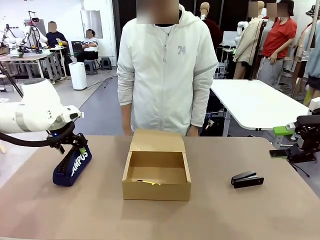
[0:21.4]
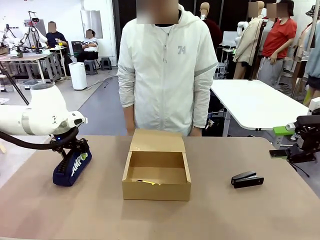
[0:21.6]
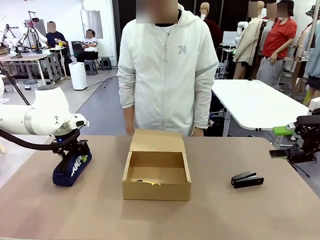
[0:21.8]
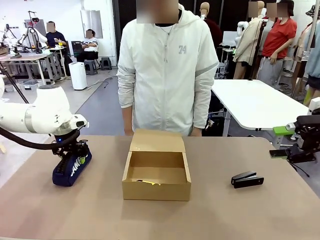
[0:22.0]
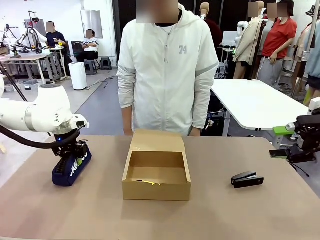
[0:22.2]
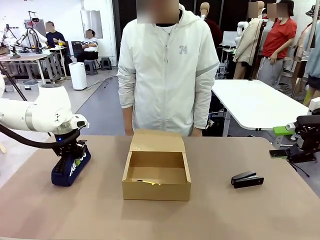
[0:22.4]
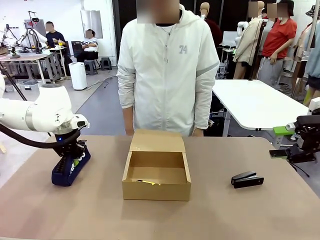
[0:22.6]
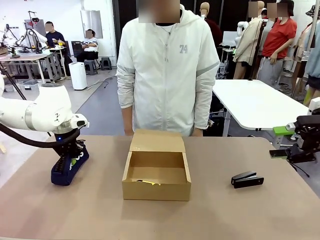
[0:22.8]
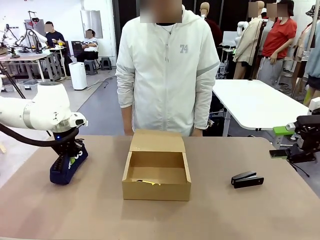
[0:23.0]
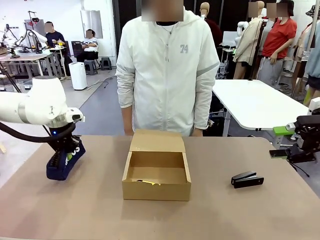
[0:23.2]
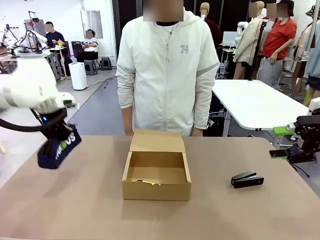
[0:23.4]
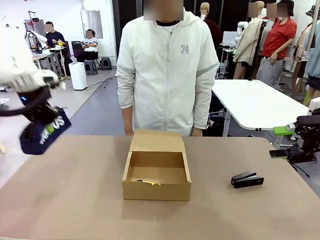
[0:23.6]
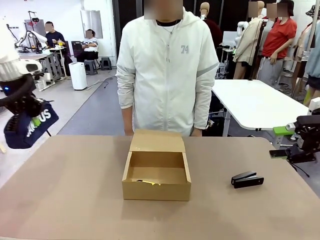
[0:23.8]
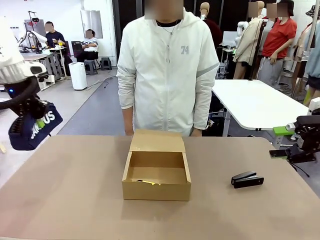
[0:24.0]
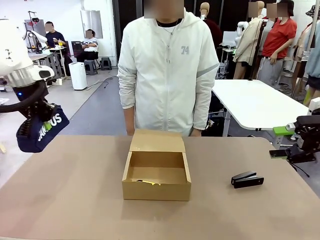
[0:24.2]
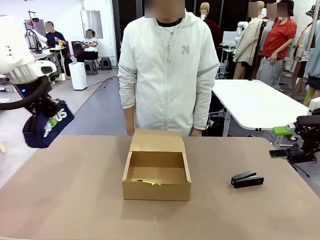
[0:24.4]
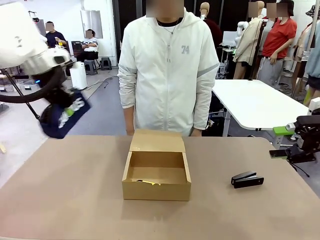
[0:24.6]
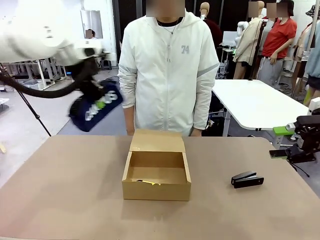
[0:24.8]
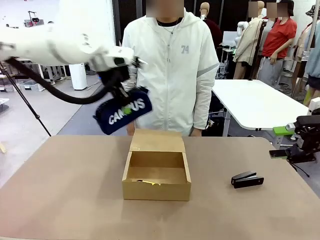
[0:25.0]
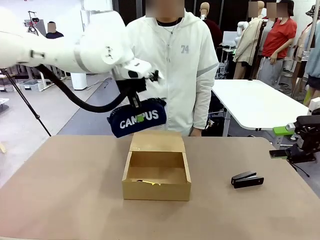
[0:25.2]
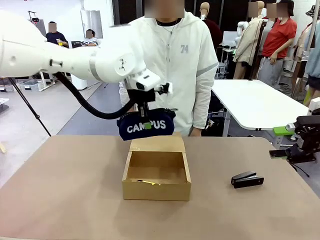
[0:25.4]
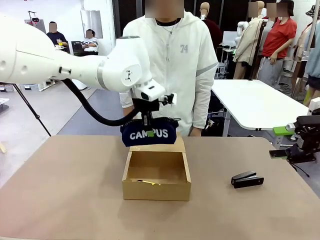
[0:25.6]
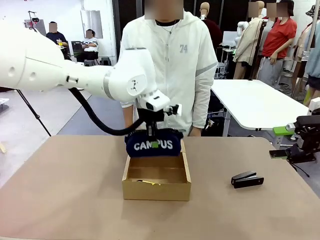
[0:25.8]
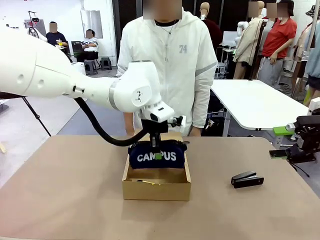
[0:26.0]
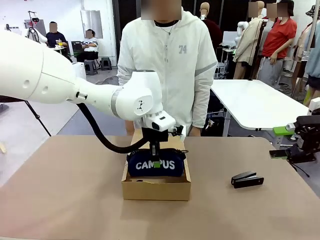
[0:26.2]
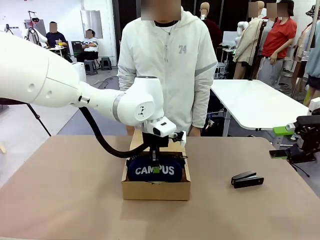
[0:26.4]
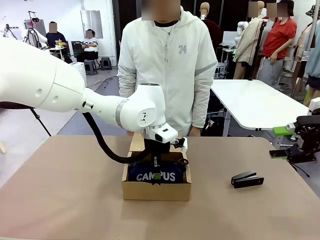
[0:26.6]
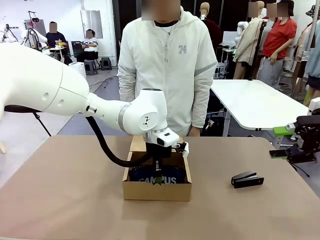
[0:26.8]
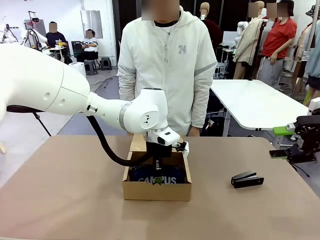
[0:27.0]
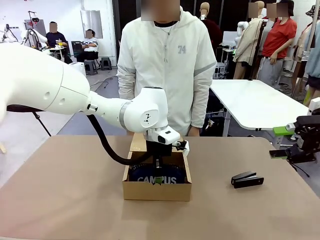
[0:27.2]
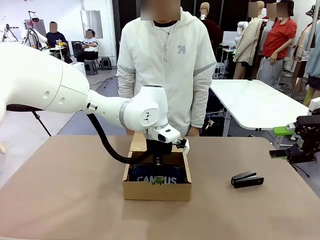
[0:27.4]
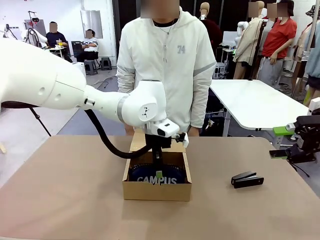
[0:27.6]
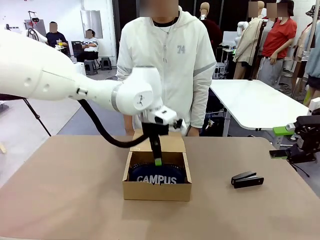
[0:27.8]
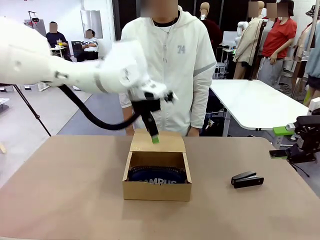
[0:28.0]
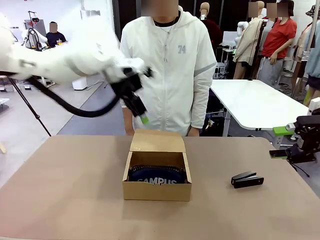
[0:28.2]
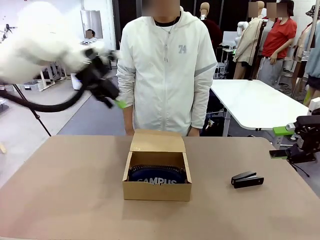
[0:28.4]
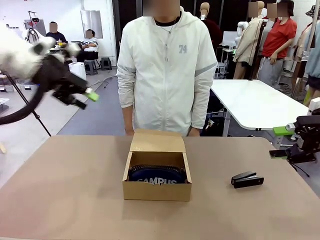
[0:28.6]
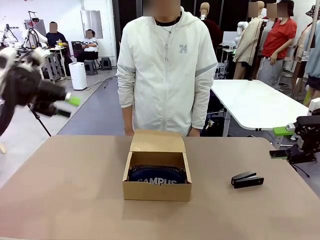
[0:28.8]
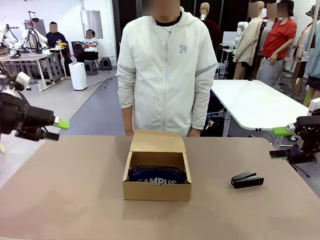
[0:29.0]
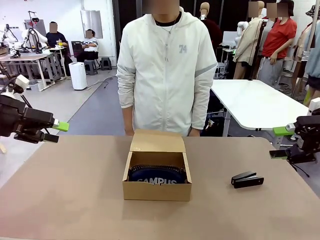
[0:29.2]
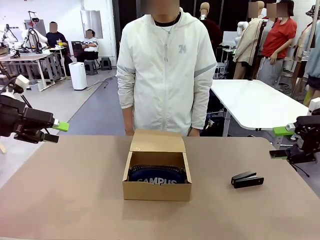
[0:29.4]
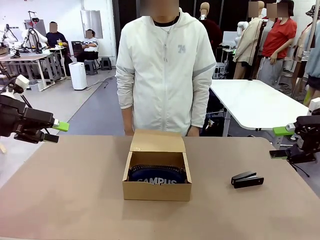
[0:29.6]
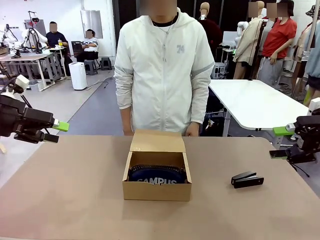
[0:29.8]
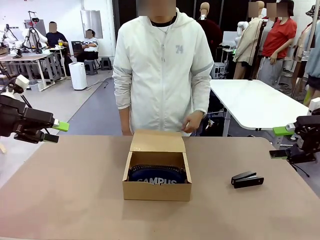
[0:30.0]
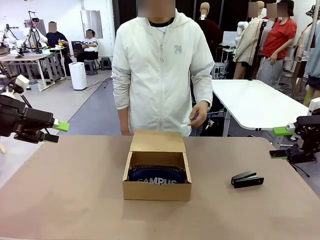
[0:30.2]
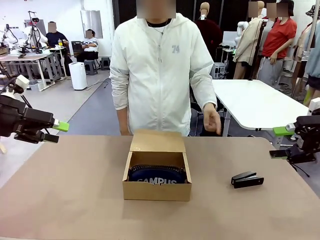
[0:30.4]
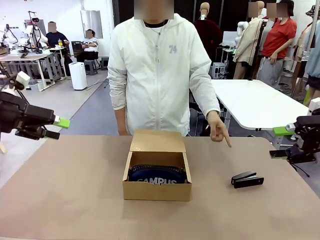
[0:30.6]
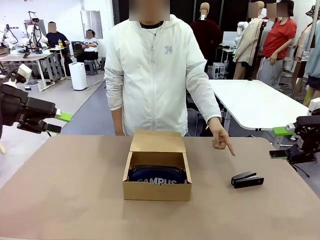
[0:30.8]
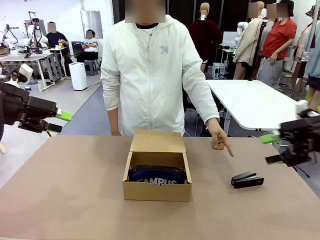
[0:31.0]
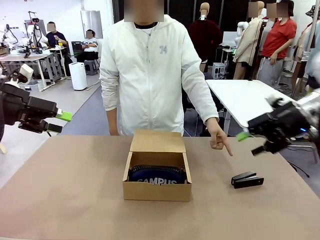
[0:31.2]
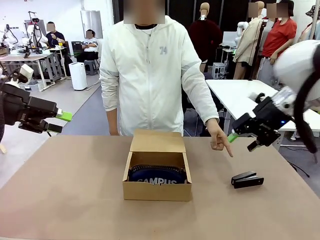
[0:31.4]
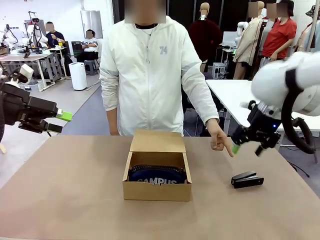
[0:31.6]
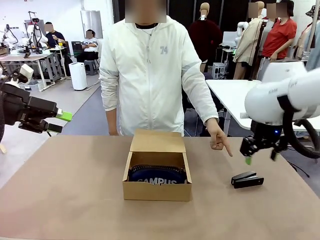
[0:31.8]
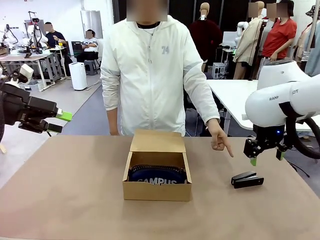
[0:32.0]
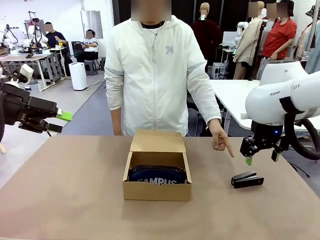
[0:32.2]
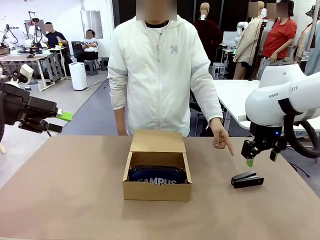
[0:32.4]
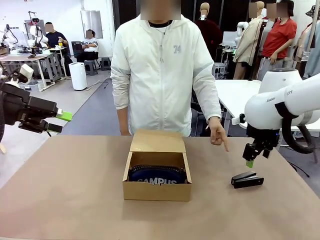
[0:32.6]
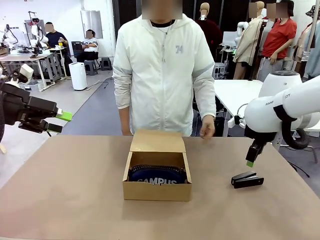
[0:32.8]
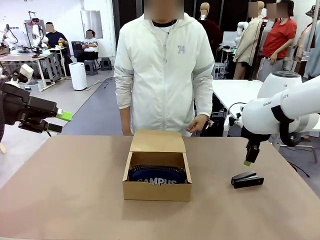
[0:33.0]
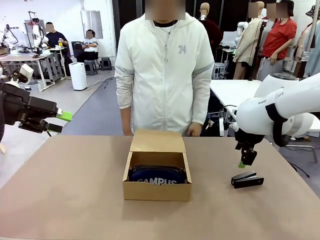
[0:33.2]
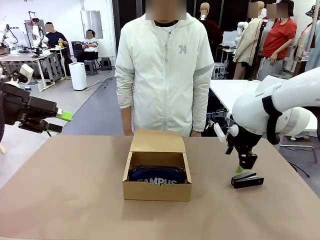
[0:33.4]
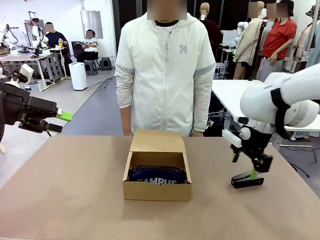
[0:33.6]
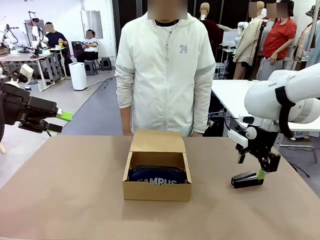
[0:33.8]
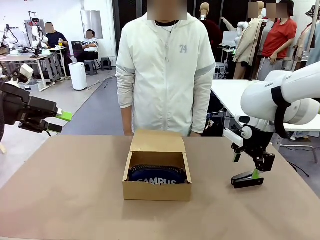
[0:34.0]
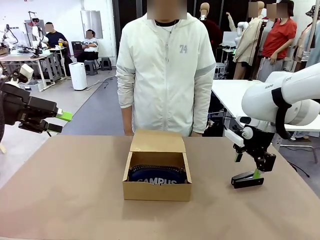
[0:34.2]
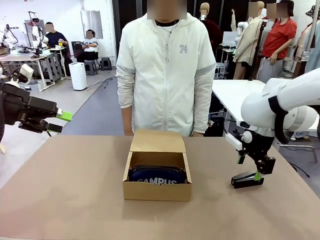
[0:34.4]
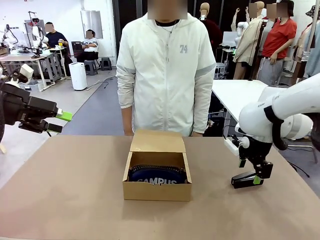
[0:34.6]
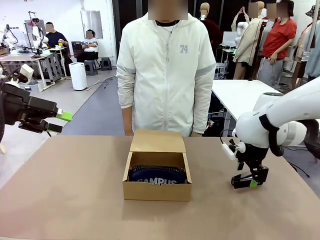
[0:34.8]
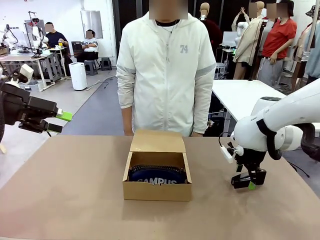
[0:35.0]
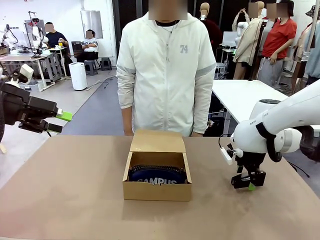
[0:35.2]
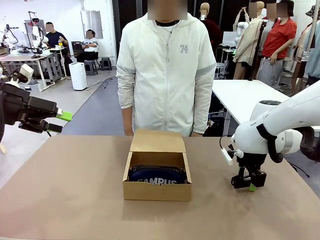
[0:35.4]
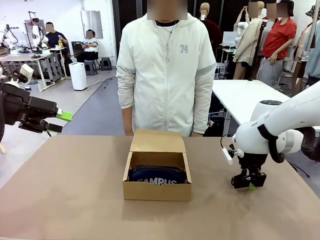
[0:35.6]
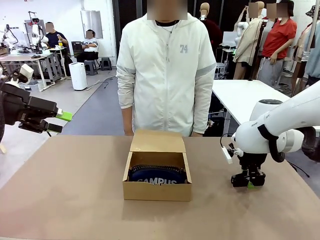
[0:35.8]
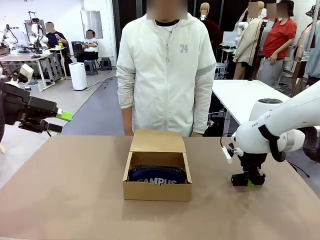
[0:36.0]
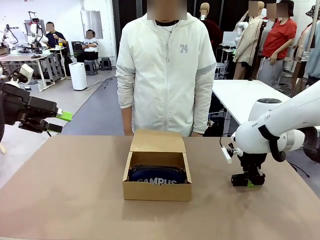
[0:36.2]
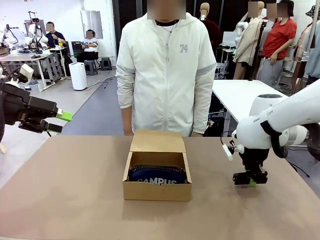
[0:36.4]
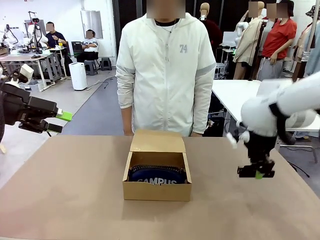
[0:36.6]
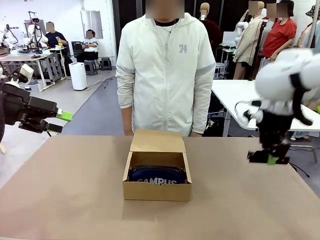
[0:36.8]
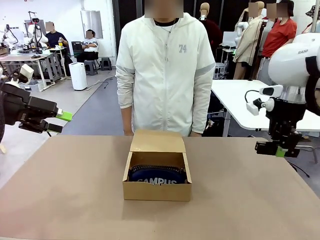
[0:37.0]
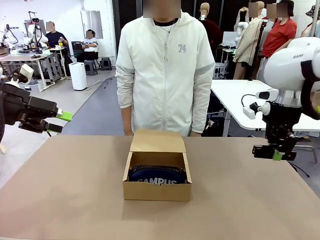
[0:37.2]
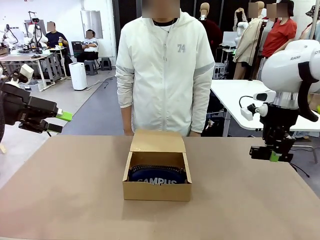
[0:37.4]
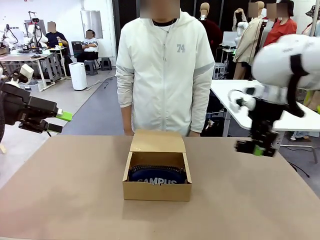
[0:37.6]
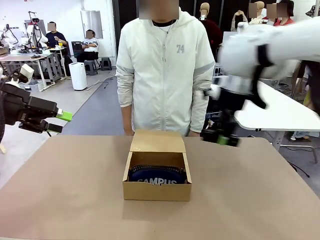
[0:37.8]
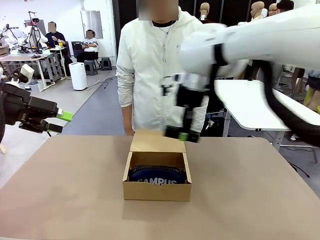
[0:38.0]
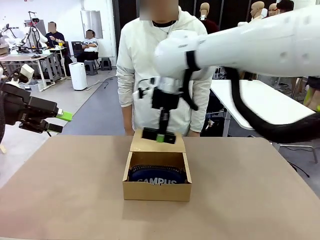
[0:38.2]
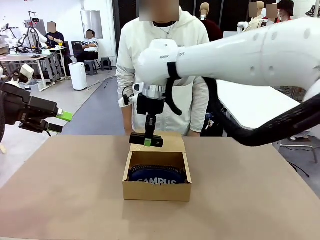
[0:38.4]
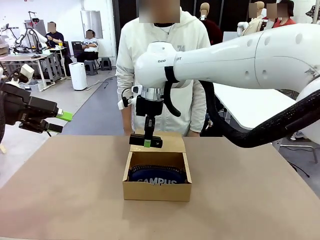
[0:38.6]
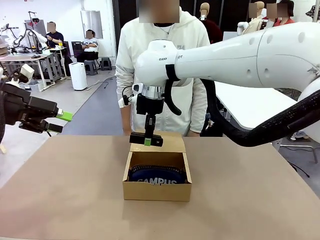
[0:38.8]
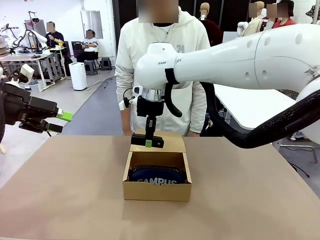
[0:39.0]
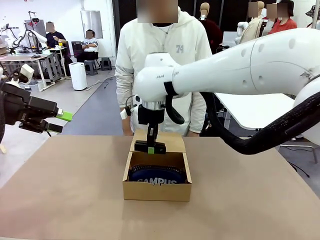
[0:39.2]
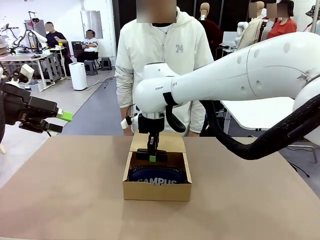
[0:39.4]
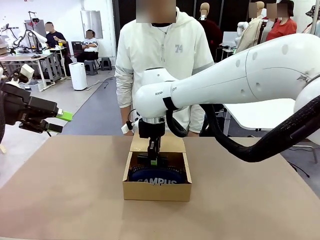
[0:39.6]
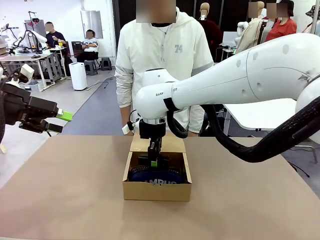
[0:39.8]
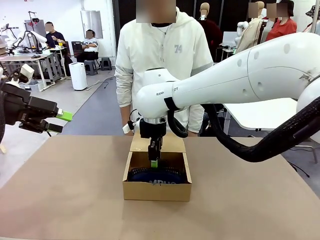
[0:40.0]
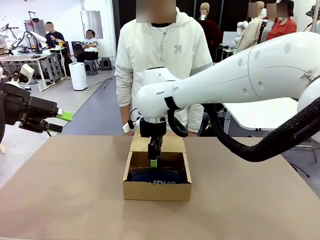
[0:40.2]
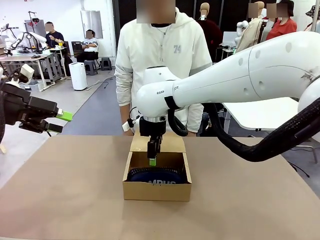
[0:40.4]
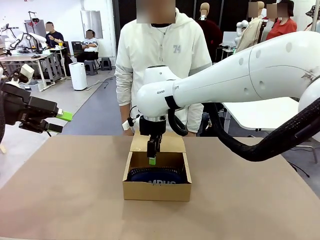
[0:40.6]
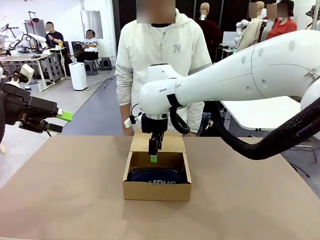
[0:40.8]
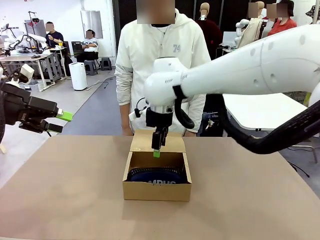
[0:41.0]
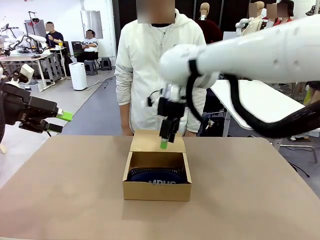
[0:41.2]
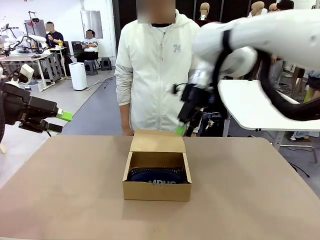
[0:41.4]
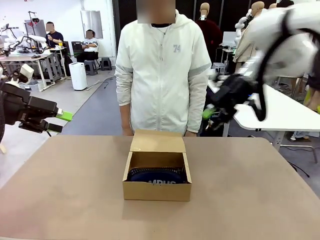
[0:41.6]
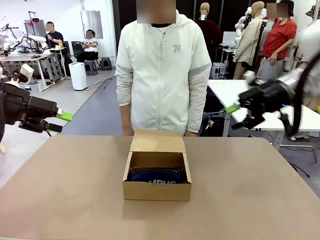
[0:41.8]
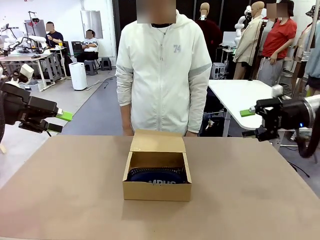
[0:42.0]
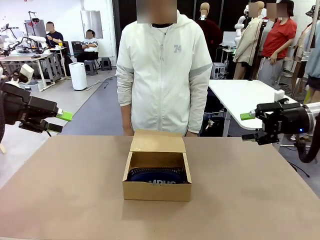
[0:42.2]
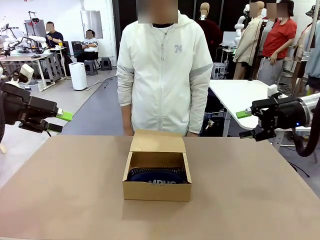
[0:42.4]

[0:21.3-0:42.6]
Task: Pack the items into the box.
Robot: Pick up the item indicated by the person and place it inside the Mailer Box.
Person: Lower both hands vertically with palms facing downward, as if pressing something closed.
